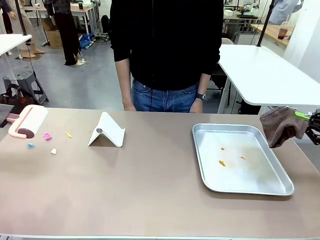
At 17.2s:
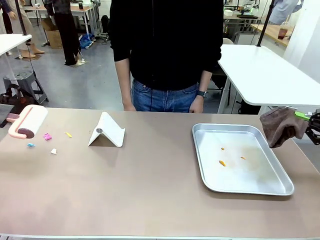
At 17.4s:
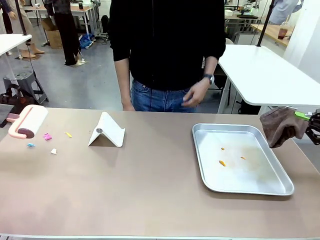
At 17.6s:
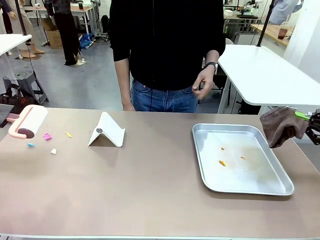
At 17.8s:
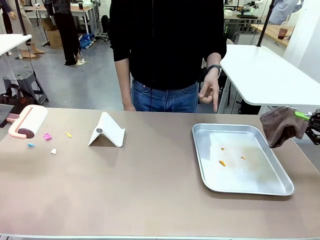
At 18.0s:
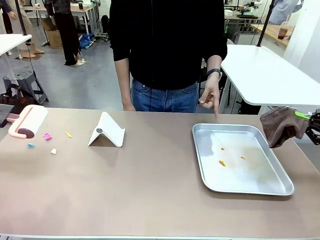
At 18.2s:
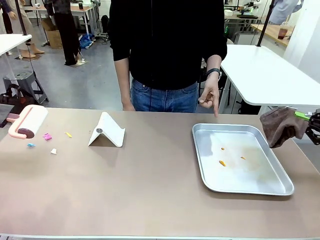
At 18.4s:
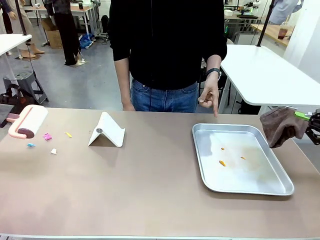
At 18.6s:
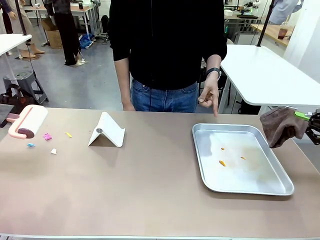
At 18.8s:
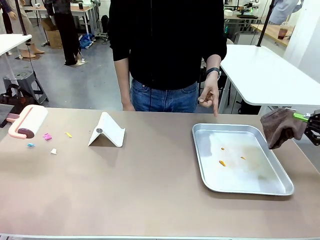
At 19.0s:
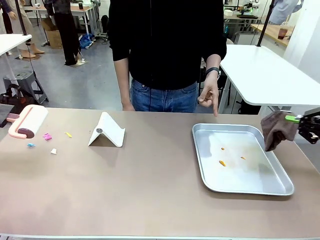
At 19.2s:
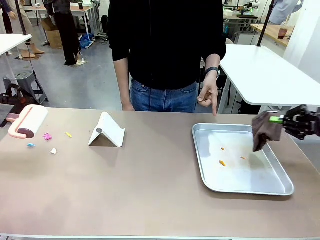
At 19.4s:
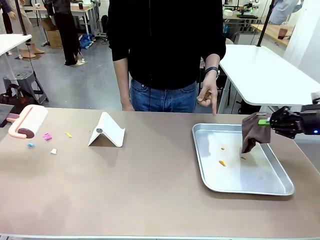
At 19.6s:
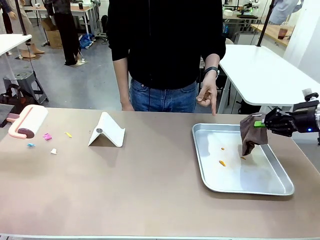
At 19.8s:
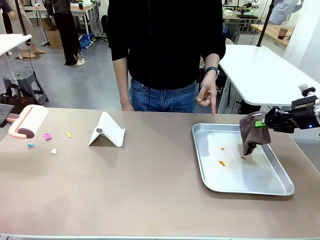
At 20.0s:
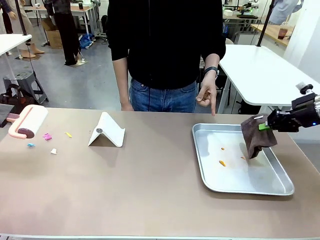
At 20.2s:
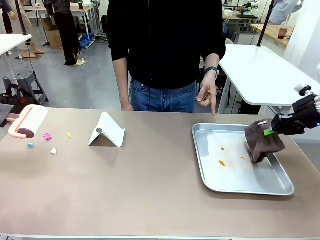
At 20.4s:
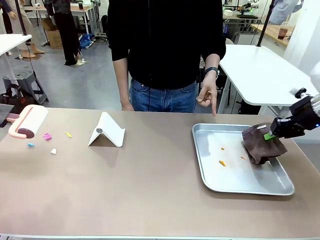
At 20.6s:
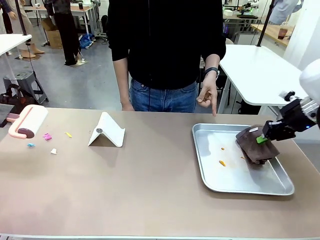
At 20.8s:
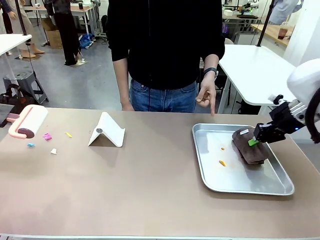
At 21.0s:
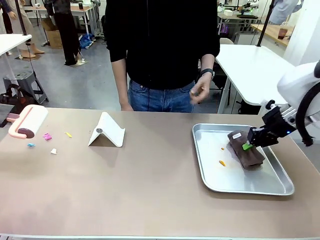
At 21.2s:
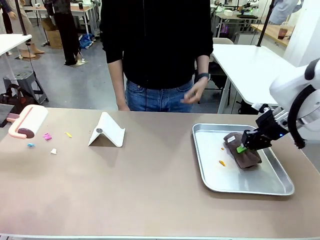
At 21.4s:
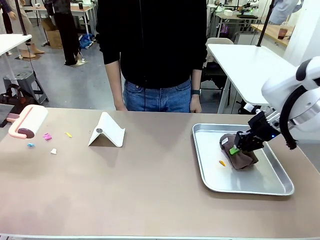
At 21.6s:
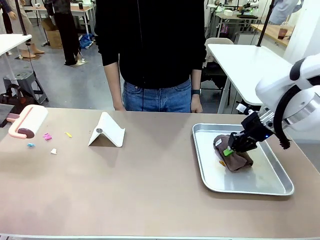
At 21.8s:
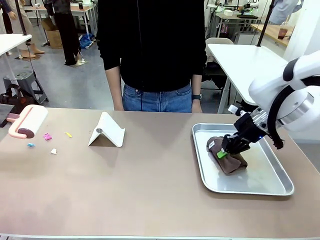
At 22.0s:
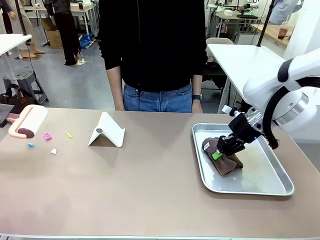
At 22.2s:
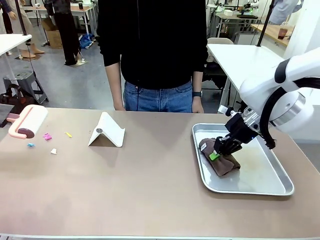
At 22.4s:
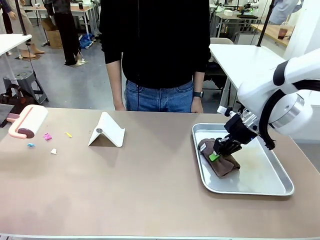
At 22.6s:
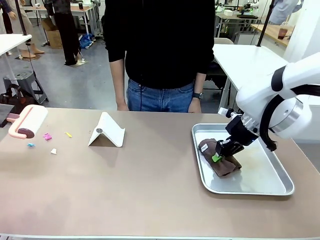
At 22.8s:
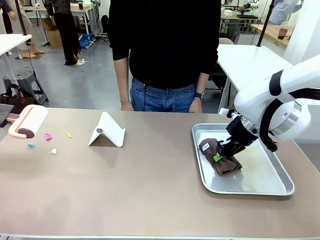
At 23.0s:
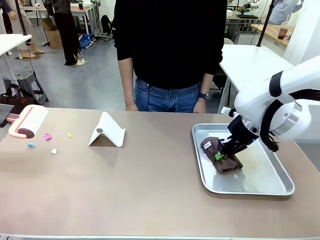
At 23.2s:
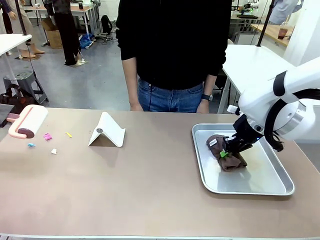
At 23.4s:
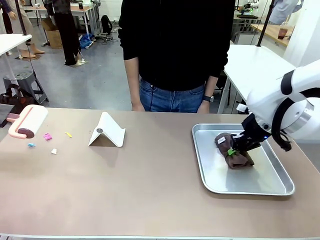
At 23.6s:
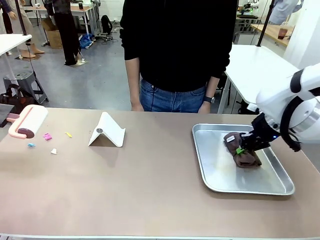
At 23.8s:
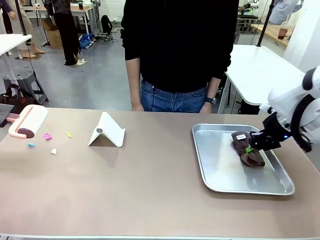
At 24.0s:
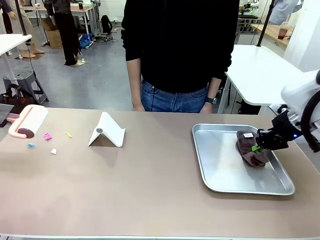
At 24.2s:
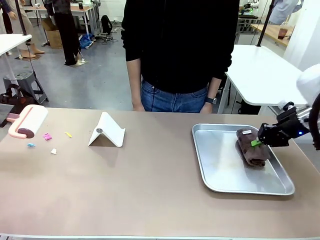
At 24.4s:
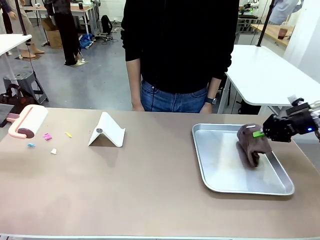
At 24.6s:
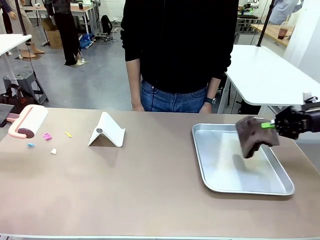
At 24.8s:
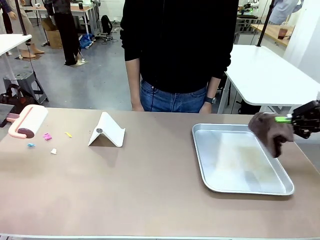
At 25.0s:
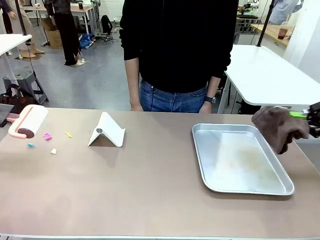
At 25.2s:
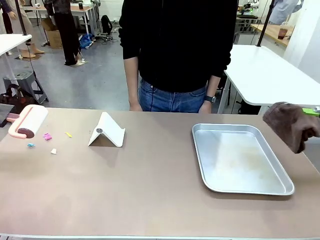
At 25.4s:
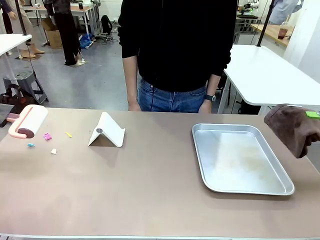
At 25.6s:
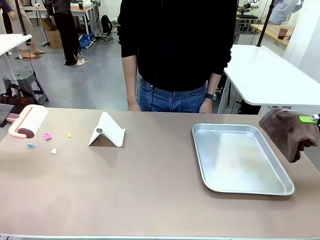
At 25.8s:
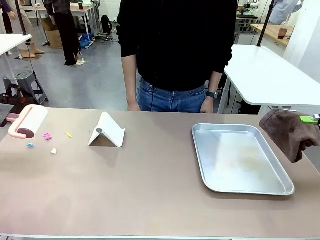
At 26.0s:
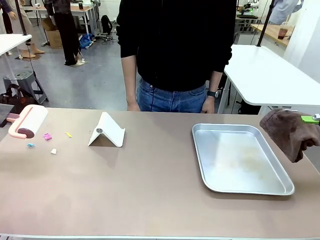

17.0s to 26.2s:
Task: Clean the surface of the table.
Robot: If a person points to the right, clean the right side of the table with your right hand, and if they point to the left, clean the left side with your left hand.

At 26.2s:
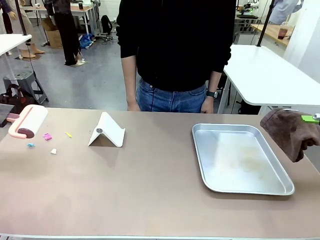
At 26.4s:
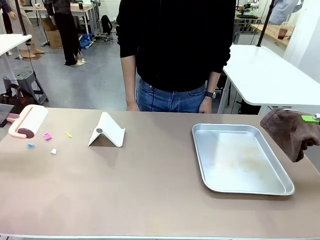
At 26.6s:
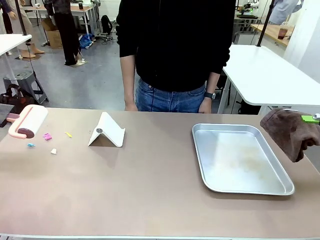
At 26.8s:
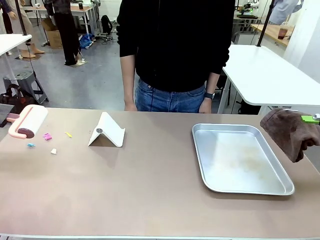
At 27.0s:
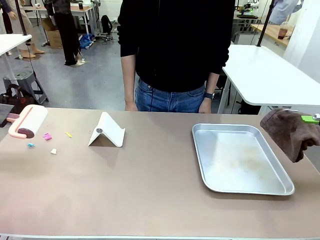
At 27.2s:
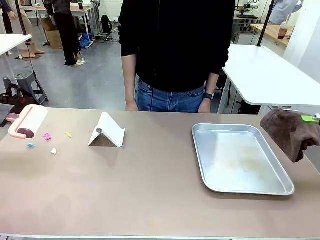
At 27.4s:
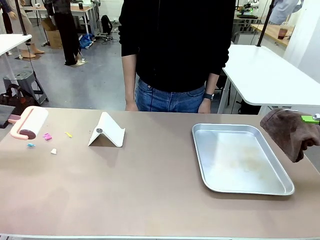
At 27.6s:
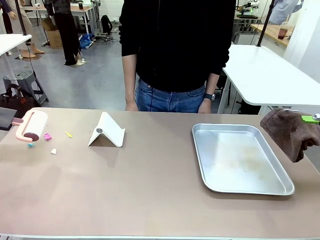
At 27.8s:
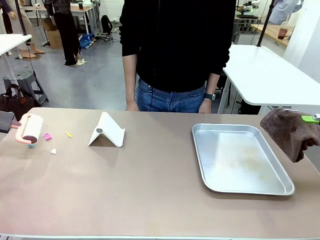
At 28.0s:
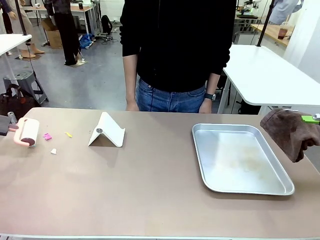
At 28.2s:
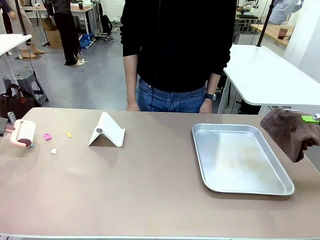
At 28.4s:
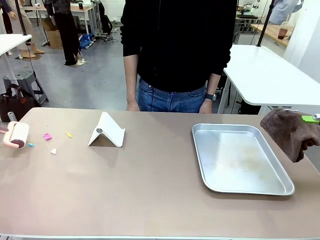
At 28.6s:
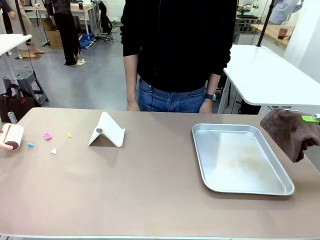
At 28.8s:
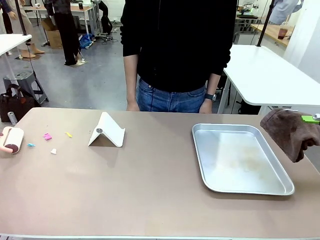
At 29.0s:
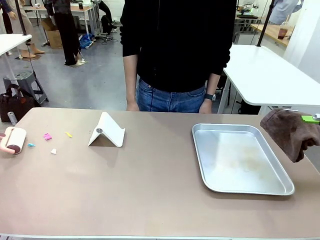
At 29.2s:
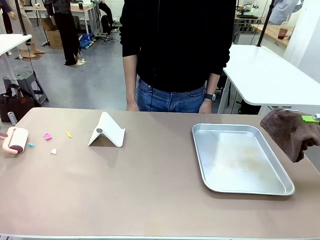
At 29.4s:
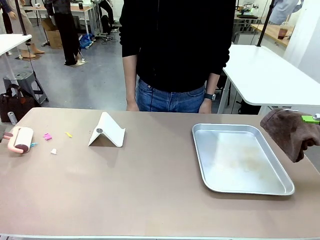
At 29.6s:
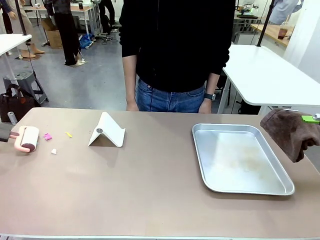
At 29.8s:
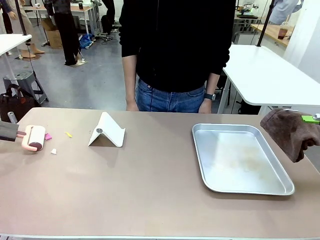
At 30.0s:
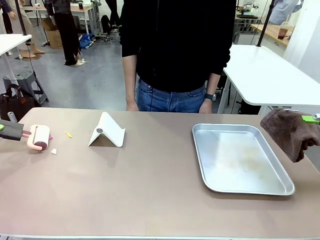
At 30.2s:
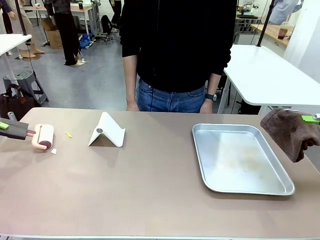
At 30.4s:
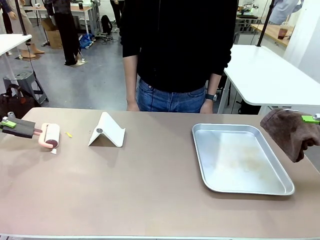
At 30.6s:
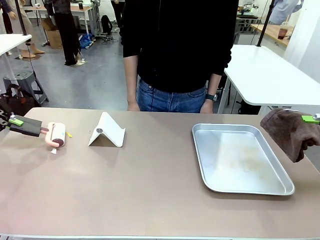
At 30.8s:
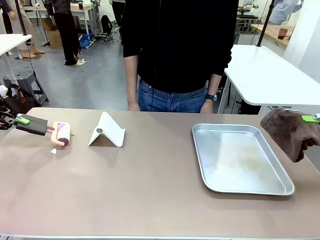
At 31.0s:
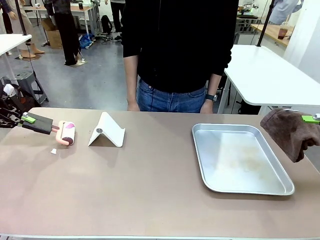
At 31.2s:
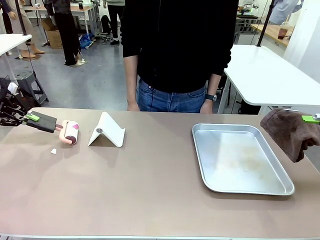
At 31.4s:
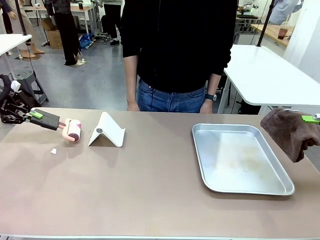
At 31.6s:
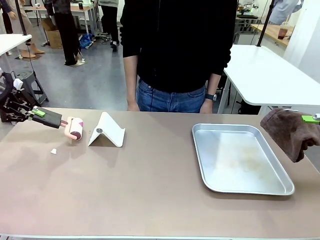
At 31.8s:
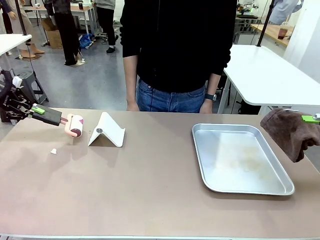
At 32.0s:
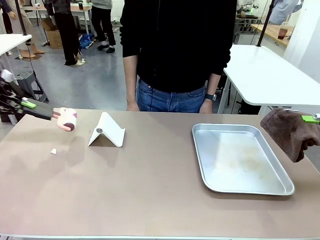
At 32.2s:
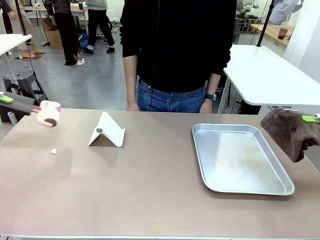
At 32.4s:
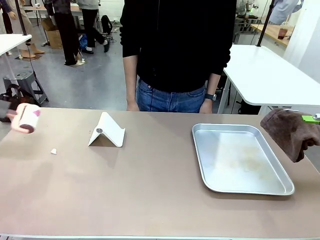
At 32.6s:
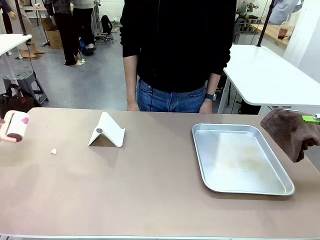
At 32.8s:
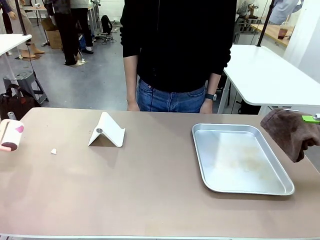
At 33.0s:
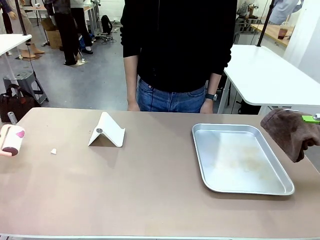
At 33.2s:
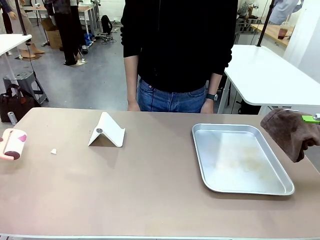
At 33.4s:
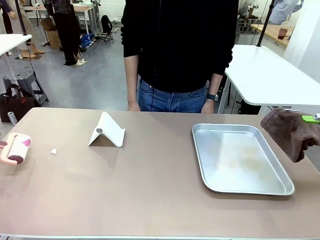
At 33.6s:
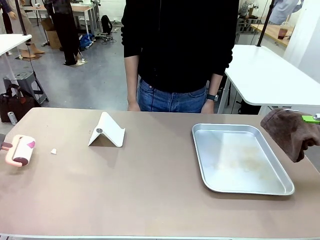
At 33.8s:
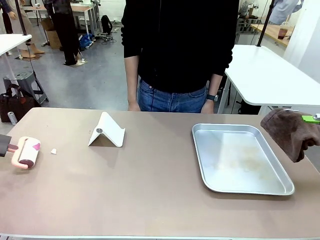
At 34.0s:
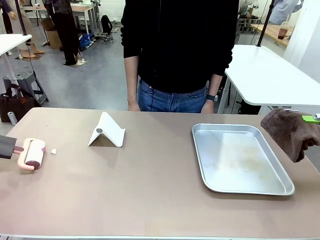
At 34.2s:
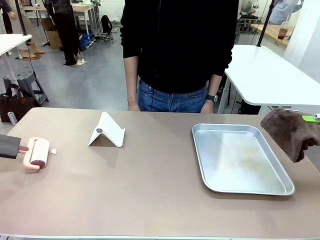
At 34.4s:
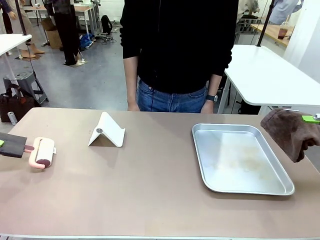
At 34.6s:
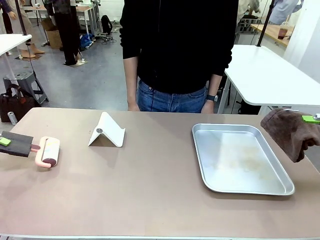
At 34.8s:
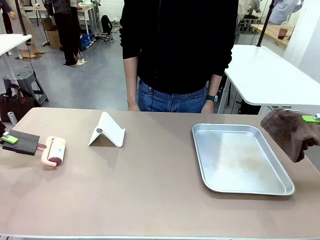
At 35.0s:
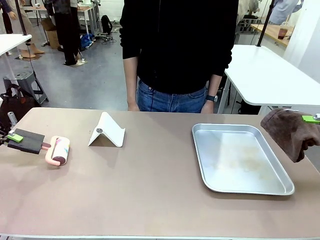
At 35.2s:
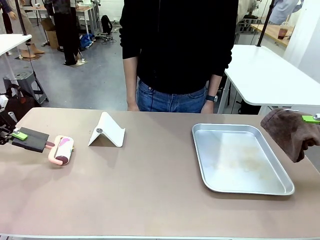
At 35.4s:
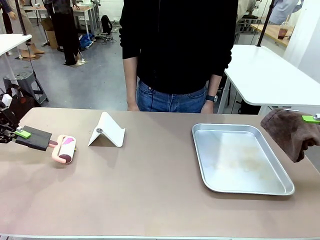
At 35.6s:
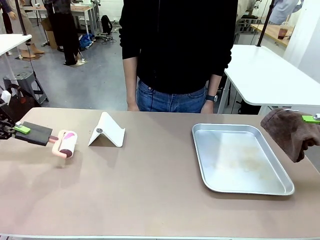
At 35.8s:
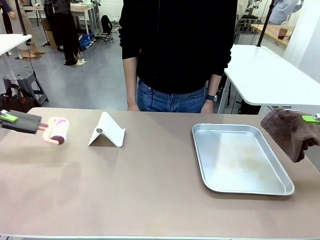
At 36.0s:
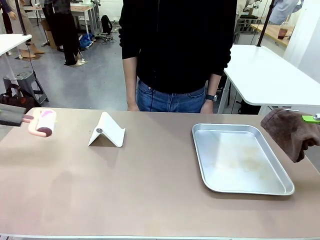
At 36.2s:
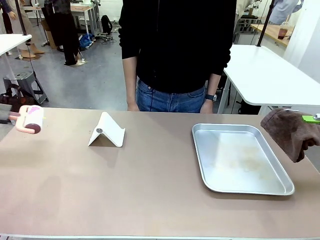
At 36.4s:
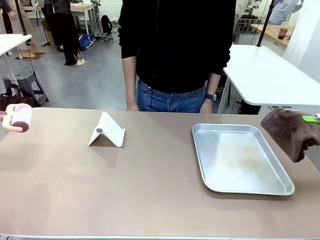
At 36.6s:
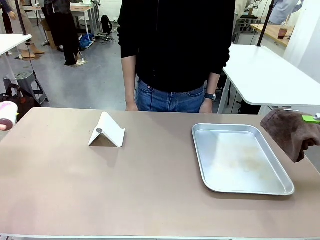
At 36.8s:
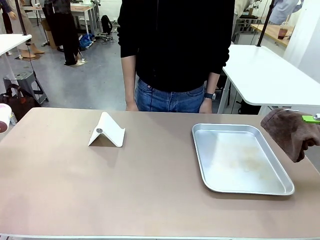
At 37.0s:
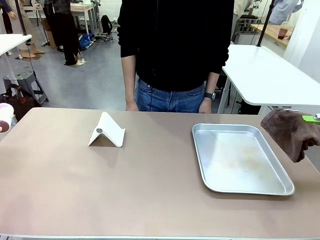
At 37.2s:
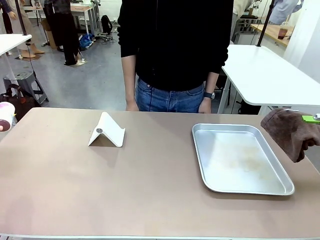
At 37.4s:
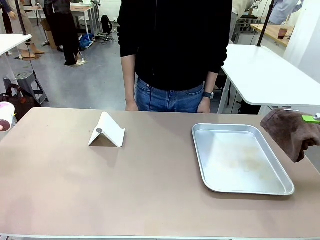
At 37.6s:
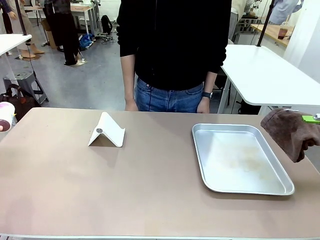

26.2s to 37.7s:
Robot: Clean the area not pointed to by the person.
